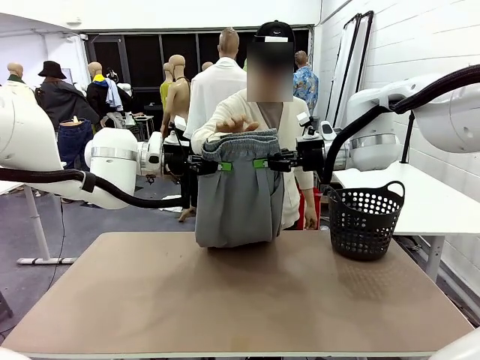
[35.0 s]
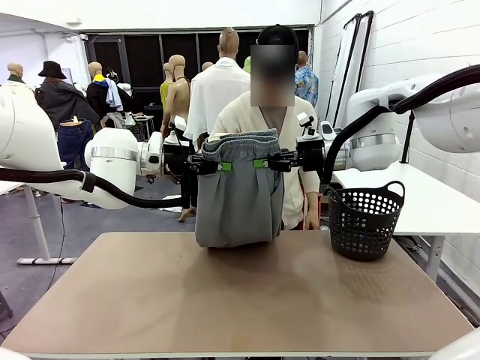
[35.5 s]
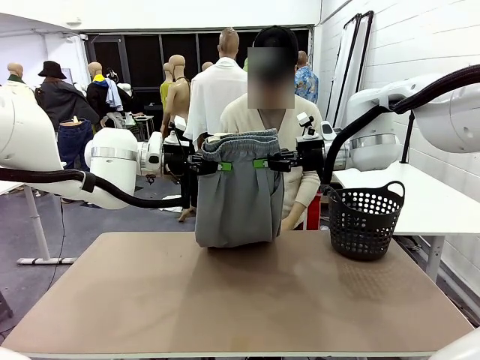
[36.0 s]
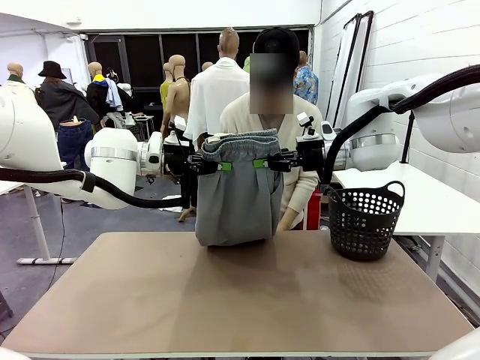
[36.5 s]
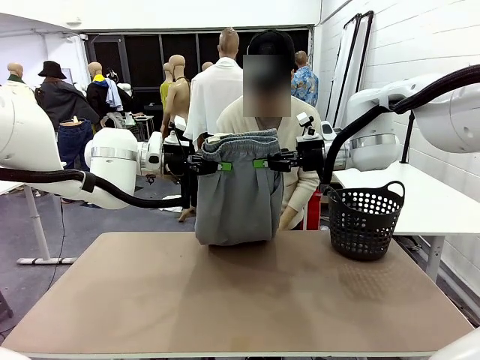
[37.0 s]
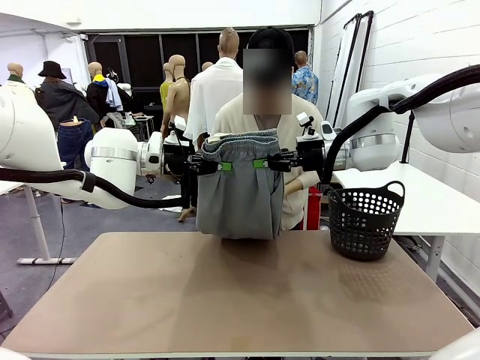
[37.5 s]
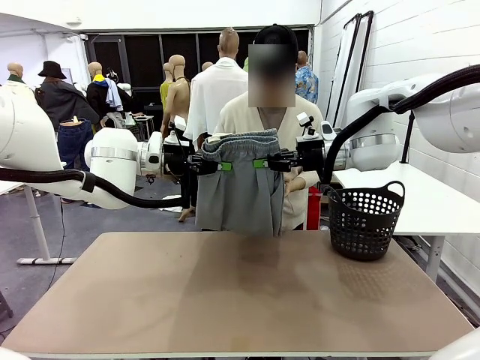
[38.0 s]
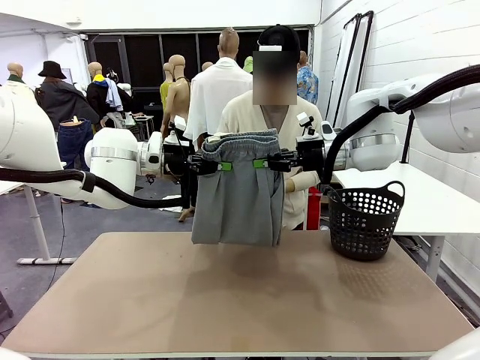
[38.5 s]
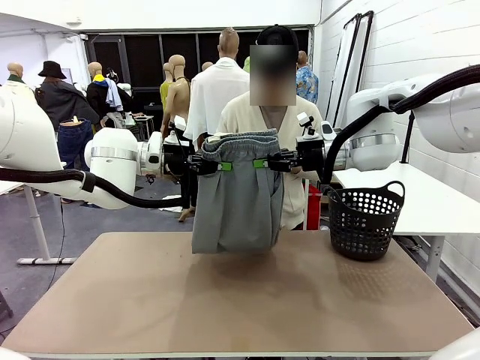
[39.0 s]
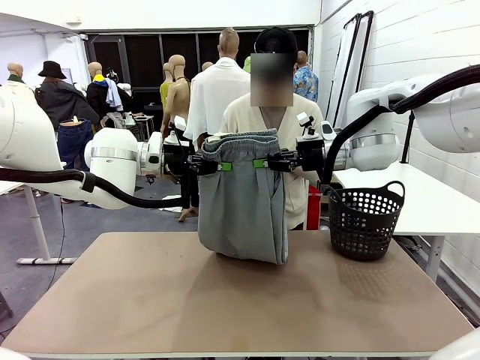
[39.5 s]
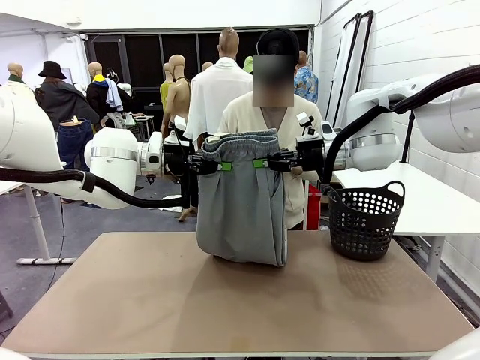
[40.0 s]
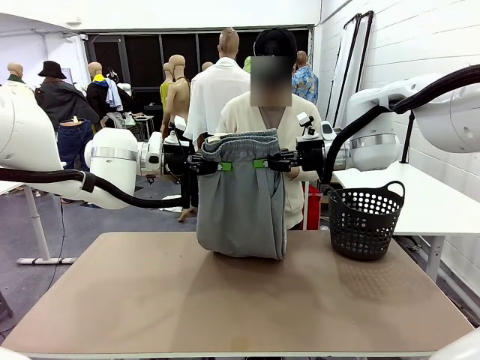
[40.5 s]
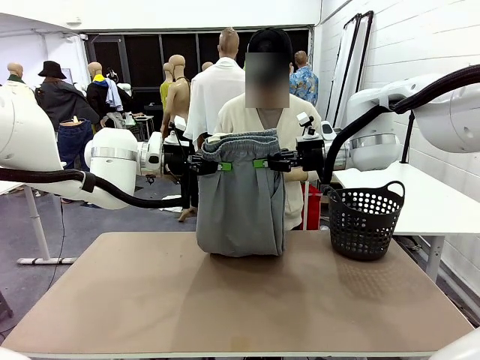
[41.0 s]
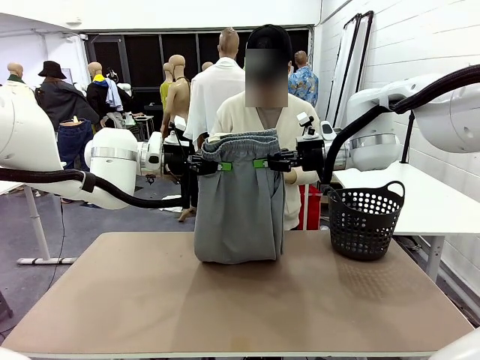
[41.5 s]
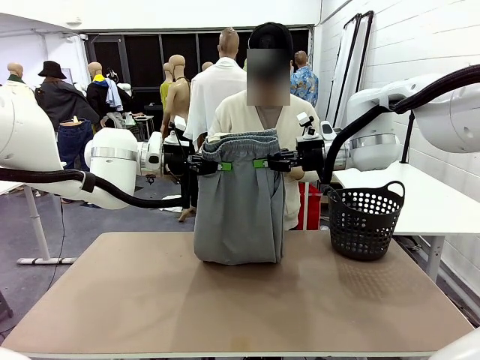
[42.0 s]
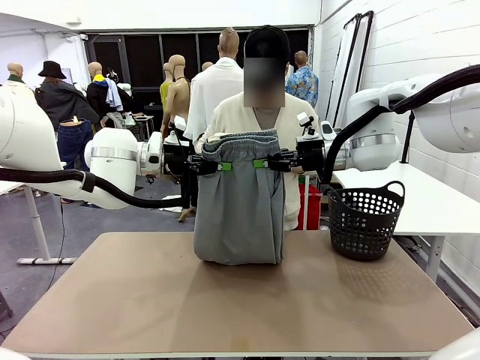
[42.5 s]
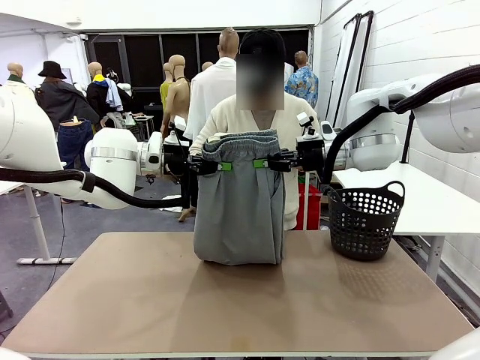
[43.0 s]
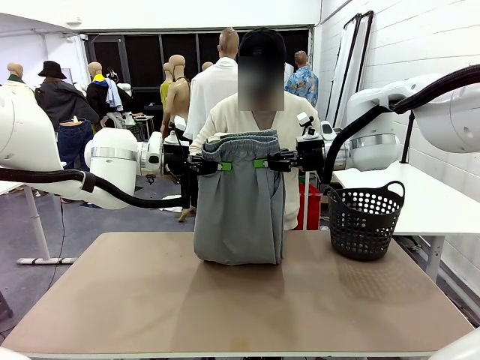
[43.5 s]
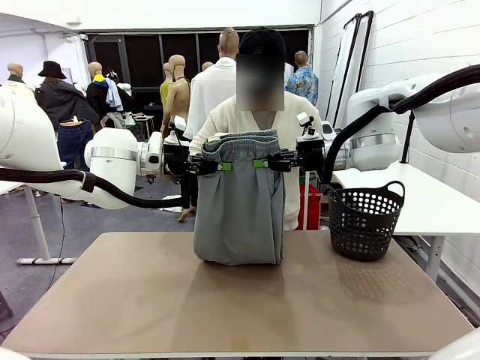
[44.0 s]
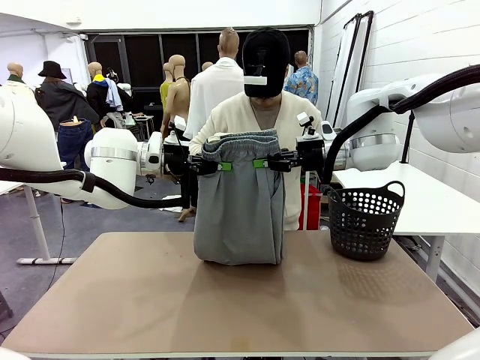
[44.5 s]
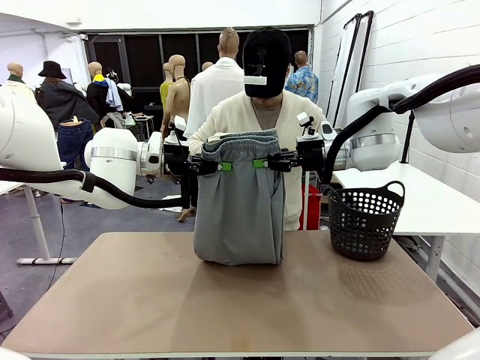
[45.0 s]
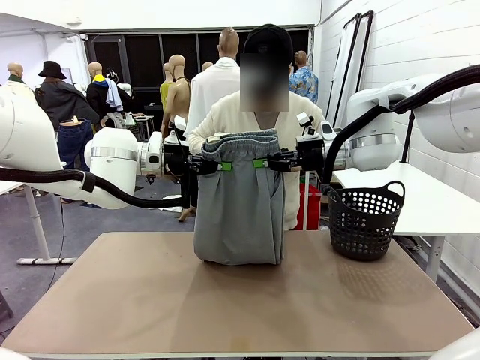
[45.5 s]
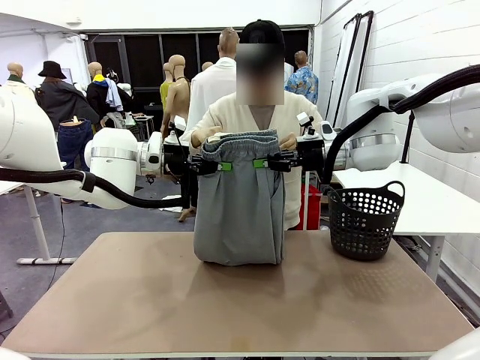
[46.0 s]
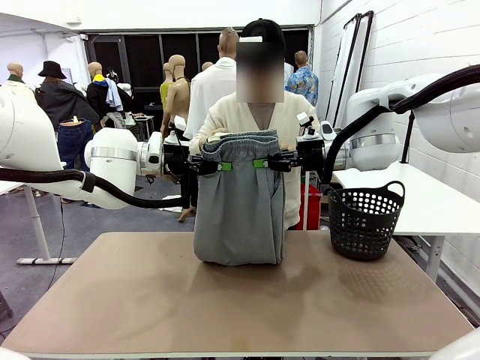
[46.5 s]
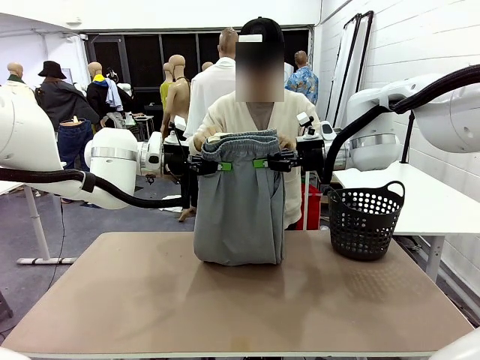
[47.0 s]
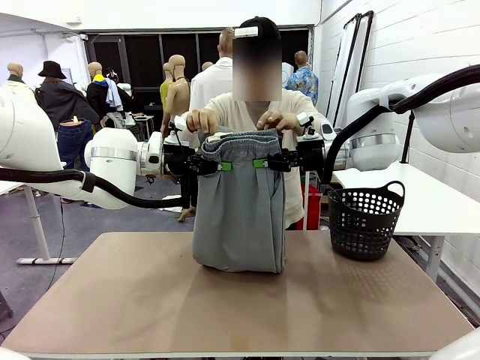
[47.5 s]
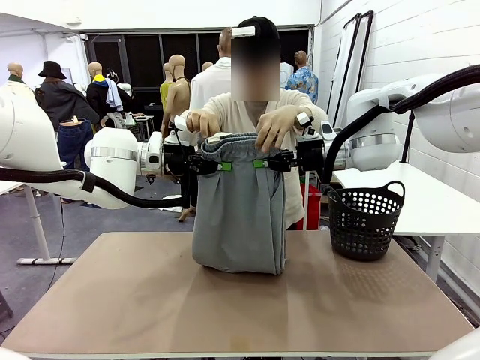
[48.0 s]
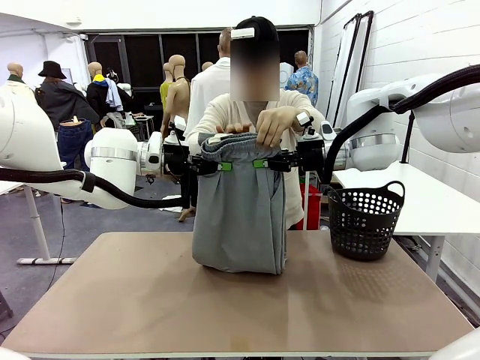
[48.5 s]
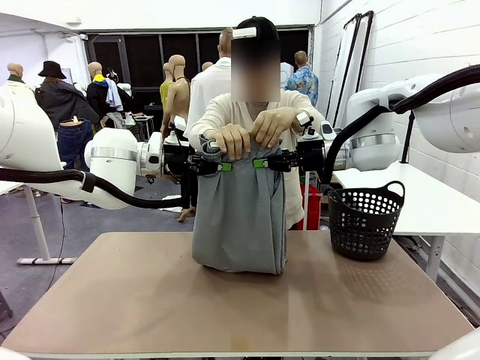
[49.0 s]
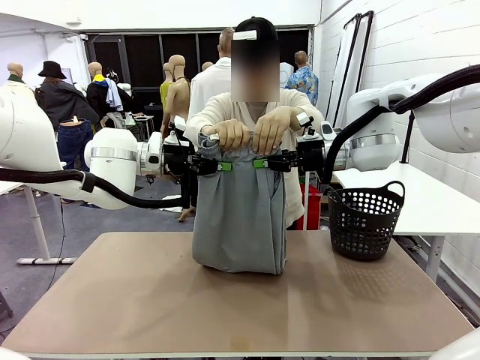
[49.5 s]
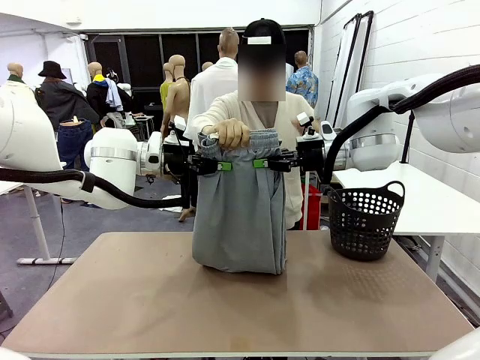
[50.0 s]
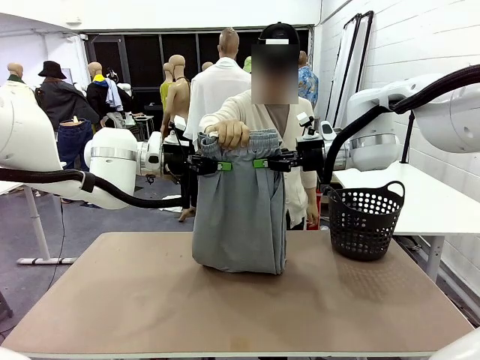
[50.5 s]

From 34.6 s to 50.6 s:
Task: Fold the training pants.
Robot: Release the ends of the Training pants and then grab the overlapped ends.
Person: Grasp the end opposite the point the robot is holding, fold the pants in half, and then grasp the overlapping top end of the folded pants.

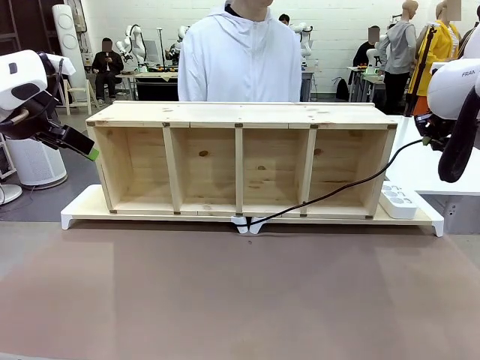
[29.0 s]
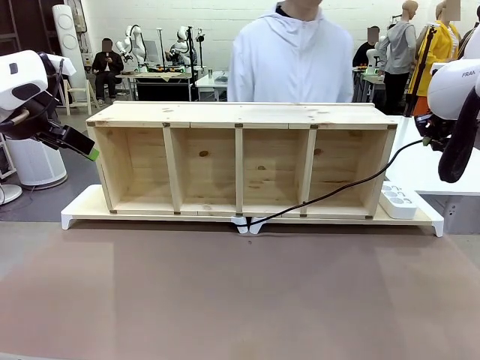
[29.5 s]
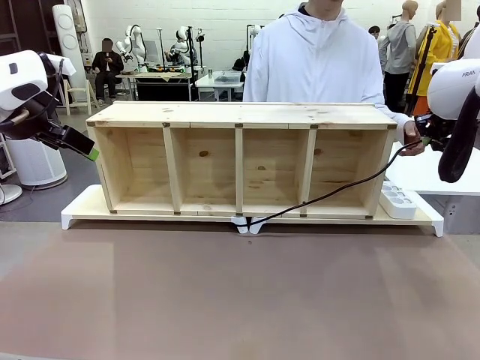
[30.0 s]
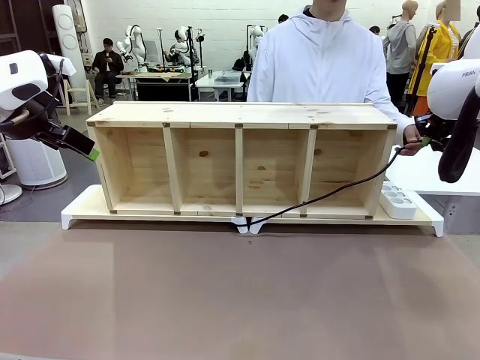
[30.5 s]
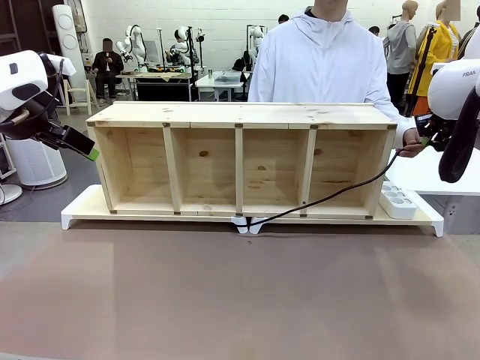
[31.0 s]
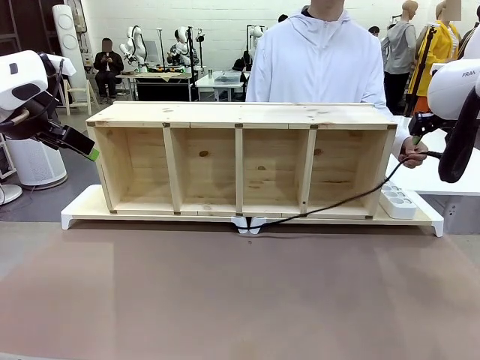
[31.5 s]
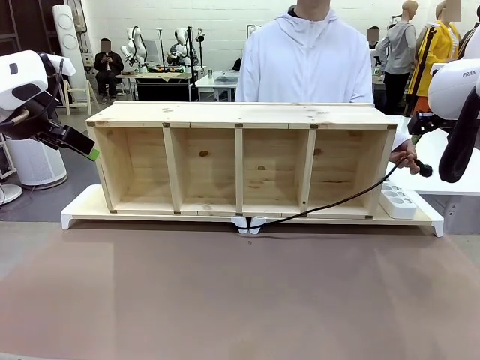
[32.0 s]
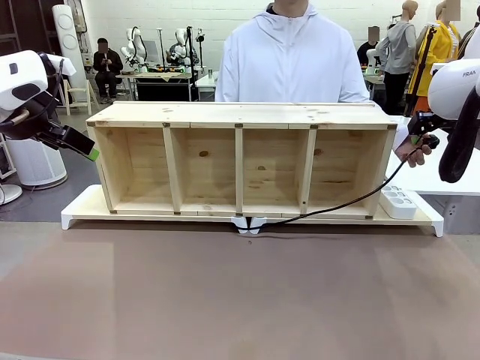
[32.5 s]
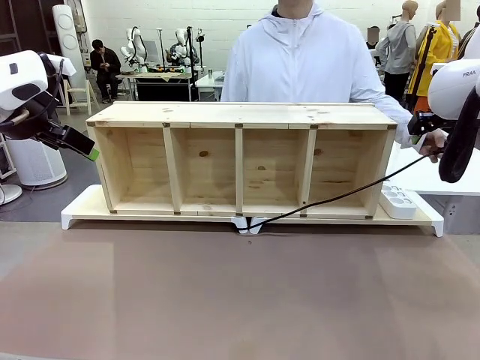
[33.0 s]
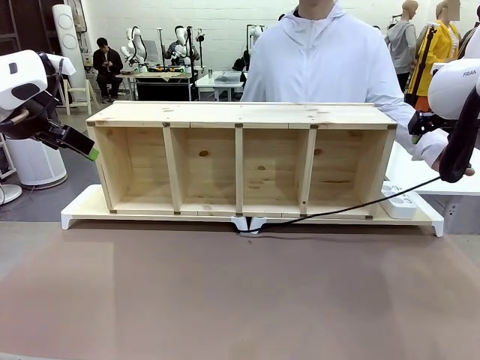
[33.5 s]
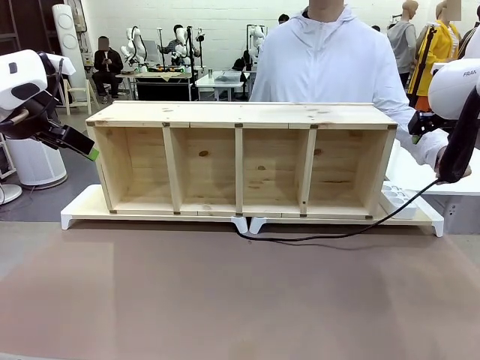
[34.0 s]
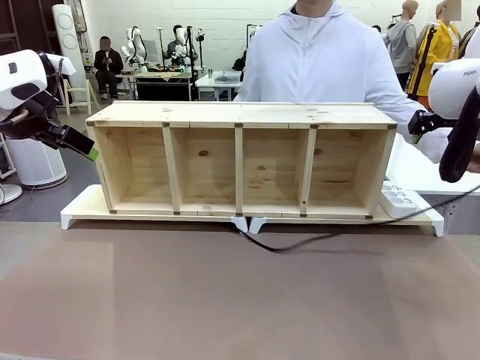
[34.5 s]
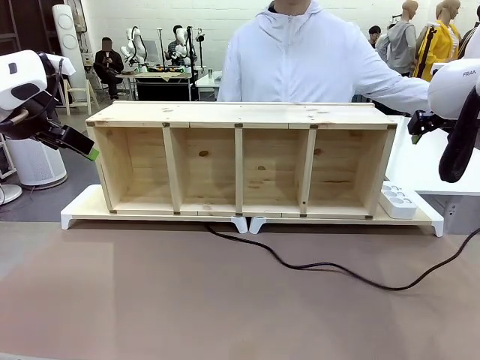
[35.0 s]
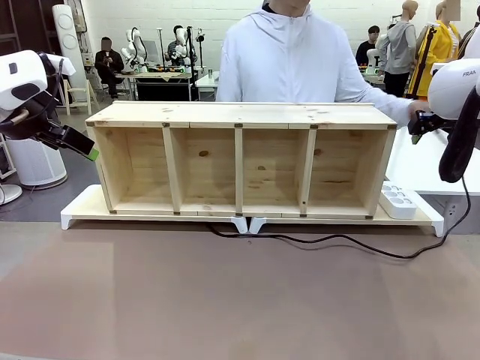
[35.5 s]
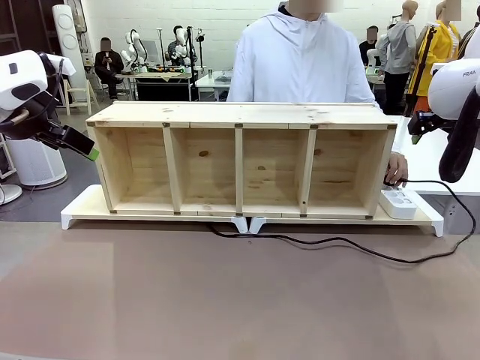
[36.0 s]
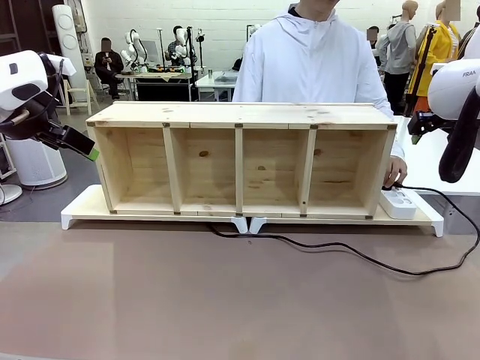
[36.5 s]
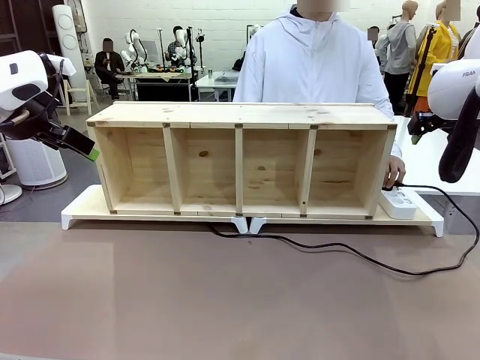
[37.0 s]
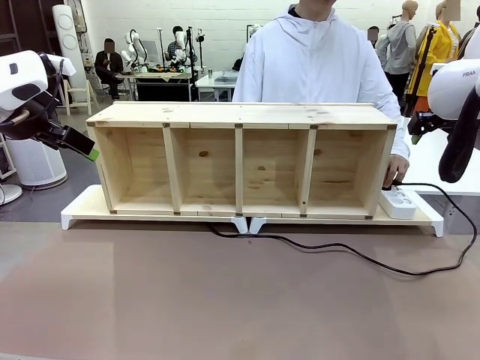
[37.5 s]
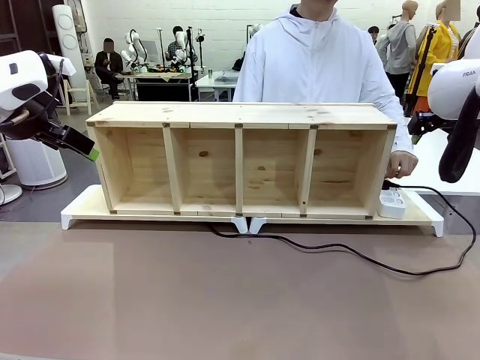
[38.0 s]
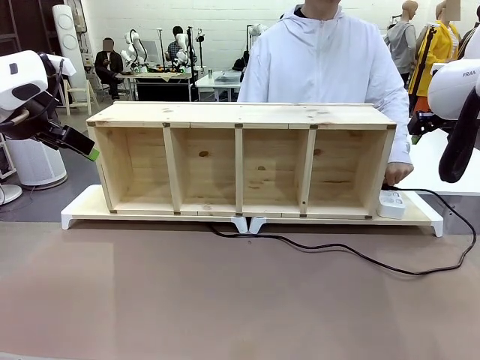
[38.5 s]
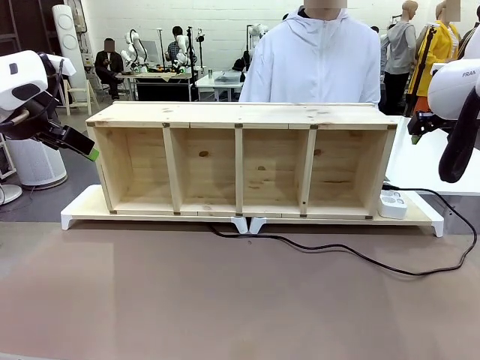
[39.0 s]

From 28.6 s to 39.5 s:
Task: Perform cable management.
Robot: Release the Power Cable when the human grasps it.
Person: Plug the Power Cable into the Power Strip.
